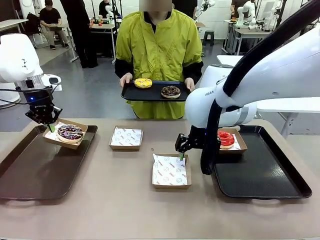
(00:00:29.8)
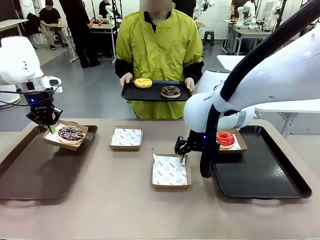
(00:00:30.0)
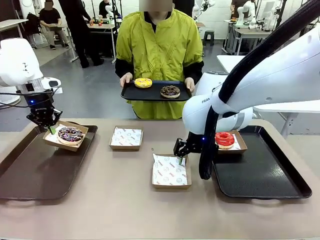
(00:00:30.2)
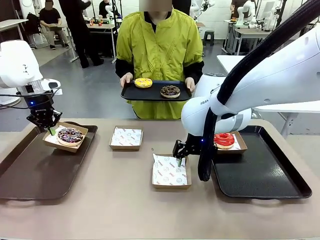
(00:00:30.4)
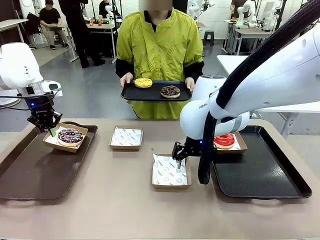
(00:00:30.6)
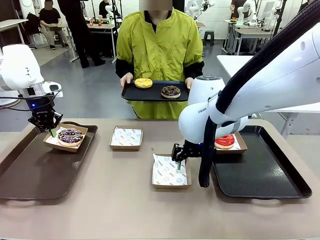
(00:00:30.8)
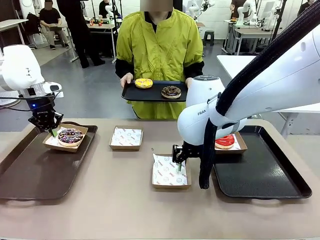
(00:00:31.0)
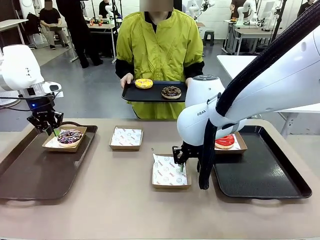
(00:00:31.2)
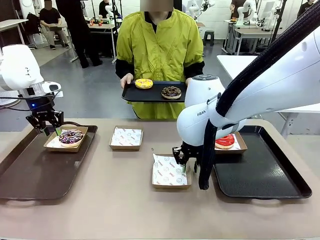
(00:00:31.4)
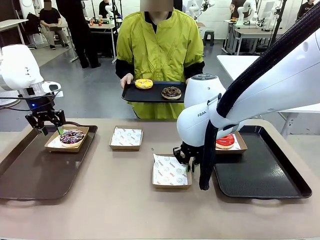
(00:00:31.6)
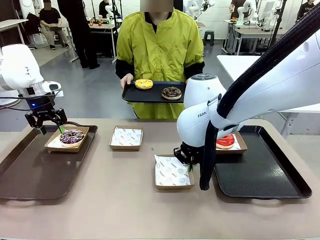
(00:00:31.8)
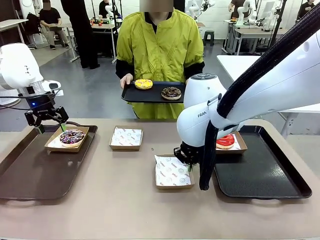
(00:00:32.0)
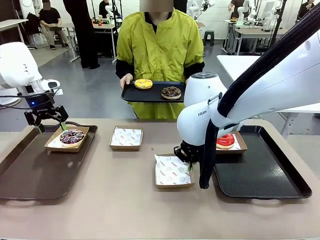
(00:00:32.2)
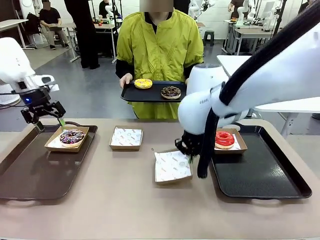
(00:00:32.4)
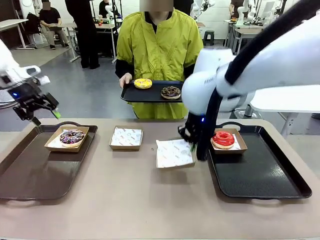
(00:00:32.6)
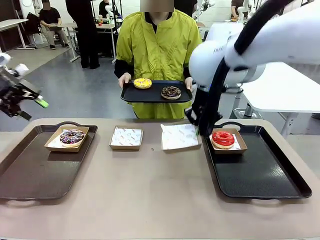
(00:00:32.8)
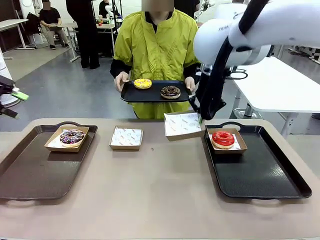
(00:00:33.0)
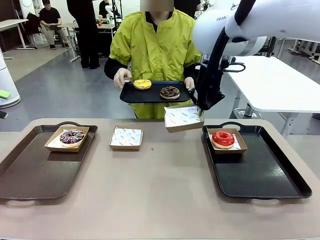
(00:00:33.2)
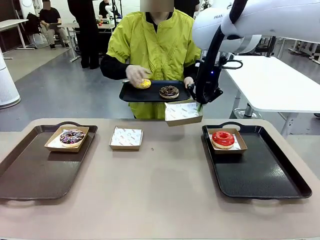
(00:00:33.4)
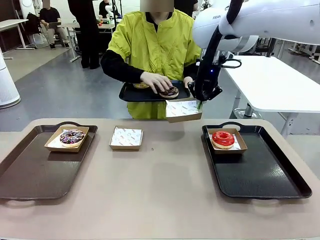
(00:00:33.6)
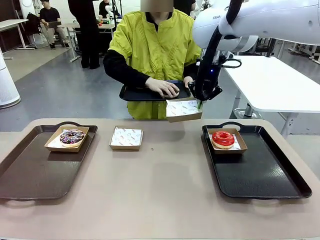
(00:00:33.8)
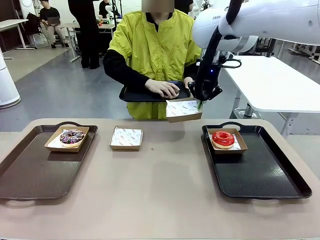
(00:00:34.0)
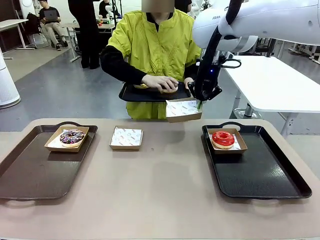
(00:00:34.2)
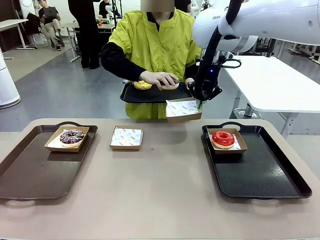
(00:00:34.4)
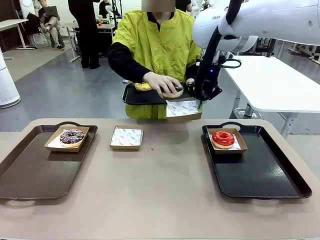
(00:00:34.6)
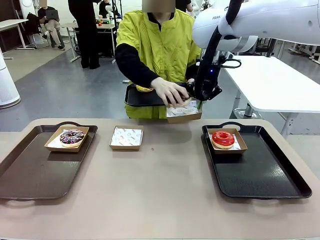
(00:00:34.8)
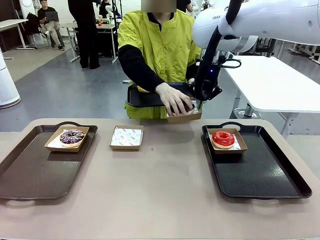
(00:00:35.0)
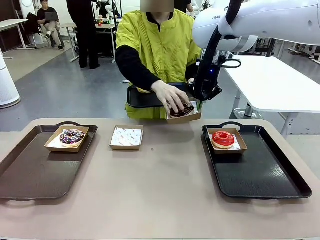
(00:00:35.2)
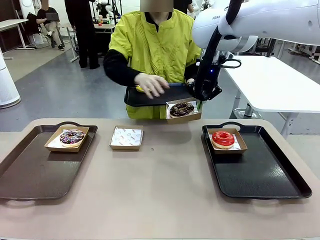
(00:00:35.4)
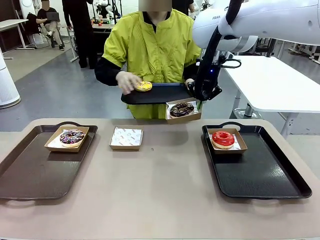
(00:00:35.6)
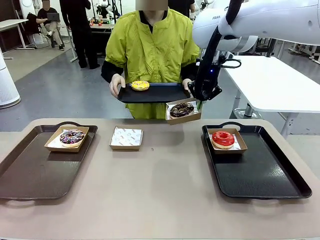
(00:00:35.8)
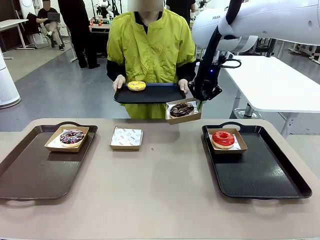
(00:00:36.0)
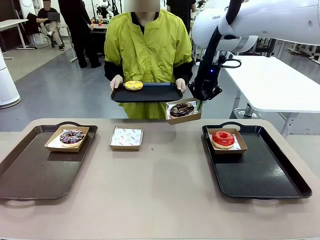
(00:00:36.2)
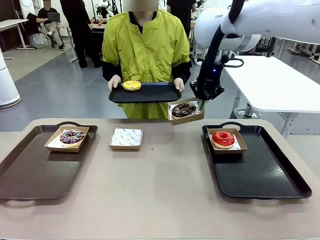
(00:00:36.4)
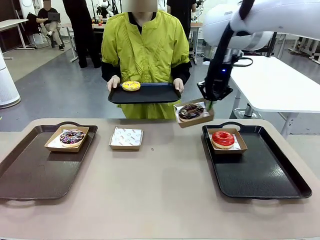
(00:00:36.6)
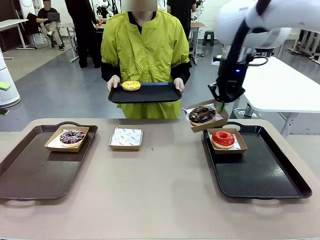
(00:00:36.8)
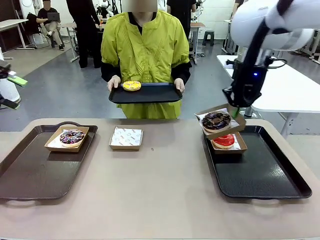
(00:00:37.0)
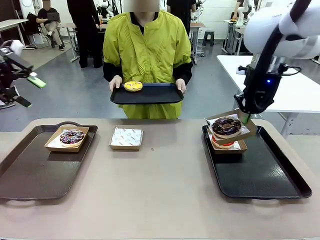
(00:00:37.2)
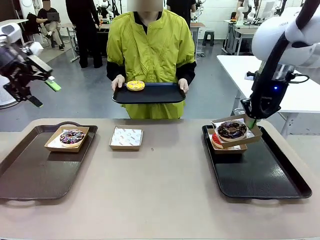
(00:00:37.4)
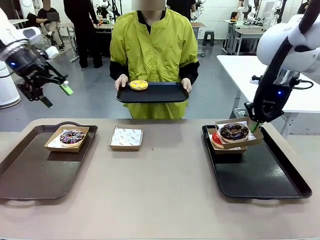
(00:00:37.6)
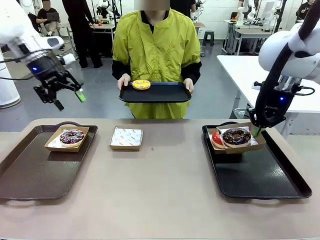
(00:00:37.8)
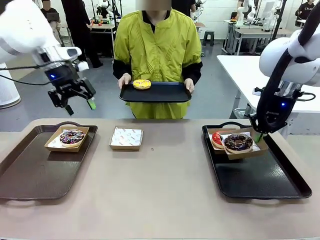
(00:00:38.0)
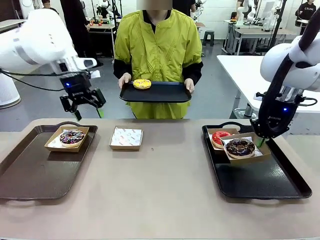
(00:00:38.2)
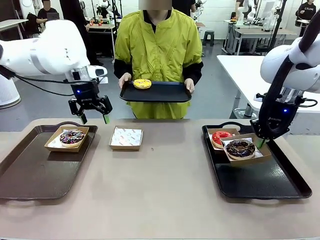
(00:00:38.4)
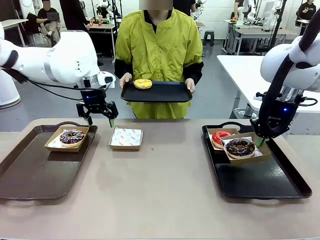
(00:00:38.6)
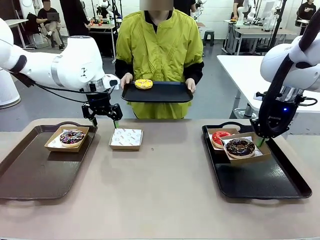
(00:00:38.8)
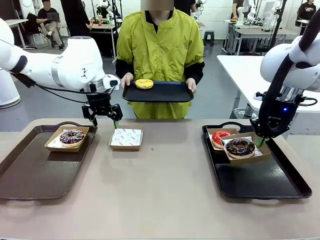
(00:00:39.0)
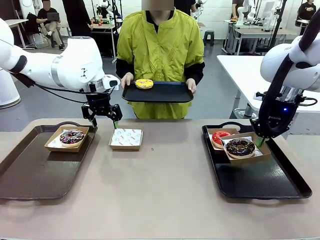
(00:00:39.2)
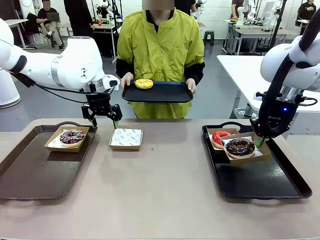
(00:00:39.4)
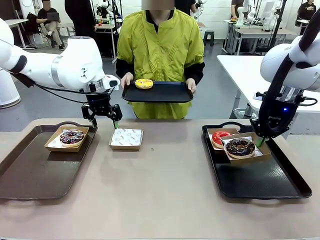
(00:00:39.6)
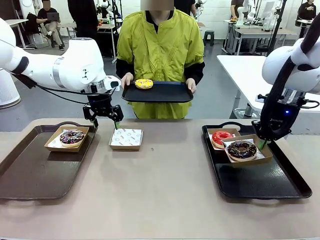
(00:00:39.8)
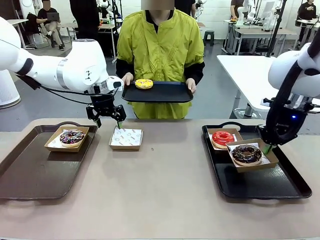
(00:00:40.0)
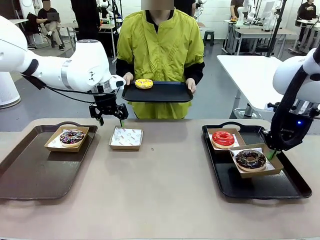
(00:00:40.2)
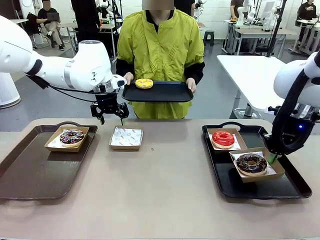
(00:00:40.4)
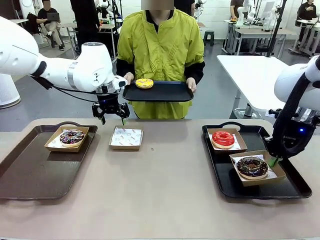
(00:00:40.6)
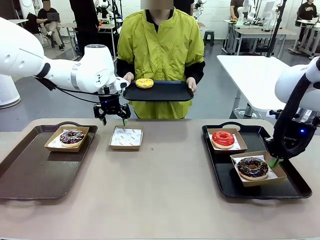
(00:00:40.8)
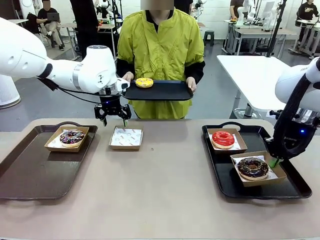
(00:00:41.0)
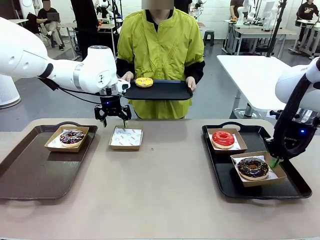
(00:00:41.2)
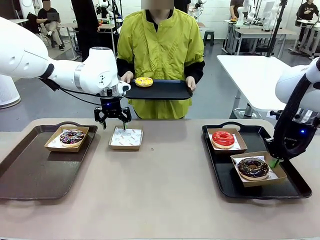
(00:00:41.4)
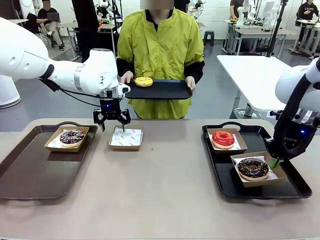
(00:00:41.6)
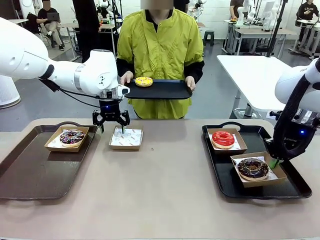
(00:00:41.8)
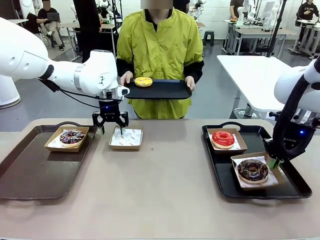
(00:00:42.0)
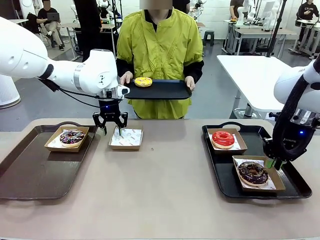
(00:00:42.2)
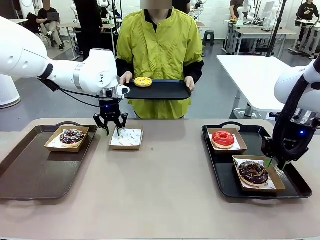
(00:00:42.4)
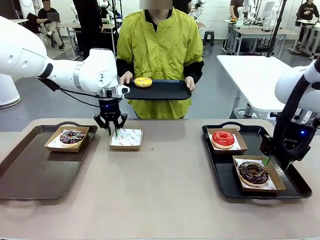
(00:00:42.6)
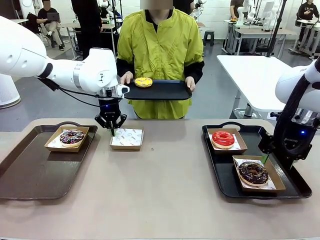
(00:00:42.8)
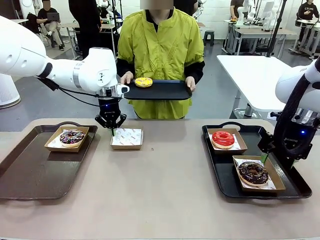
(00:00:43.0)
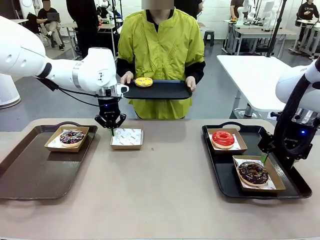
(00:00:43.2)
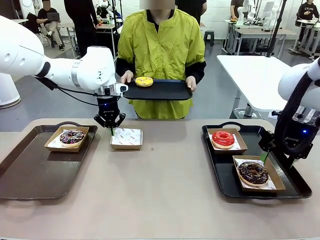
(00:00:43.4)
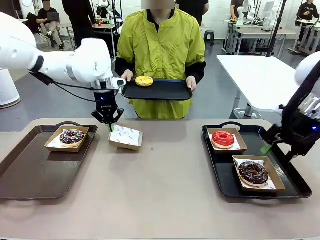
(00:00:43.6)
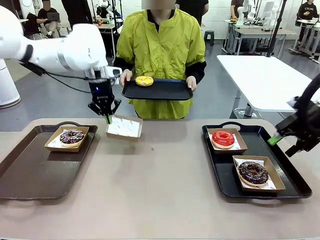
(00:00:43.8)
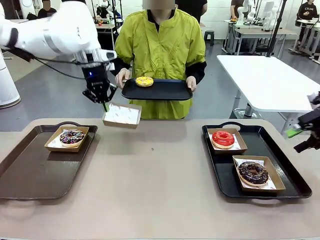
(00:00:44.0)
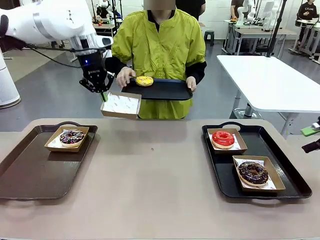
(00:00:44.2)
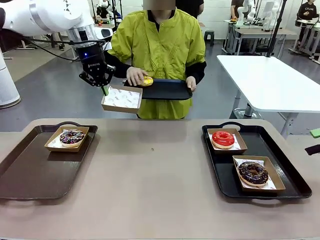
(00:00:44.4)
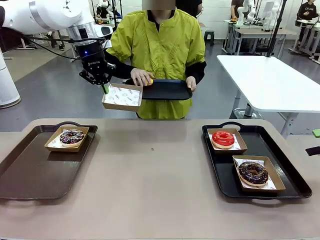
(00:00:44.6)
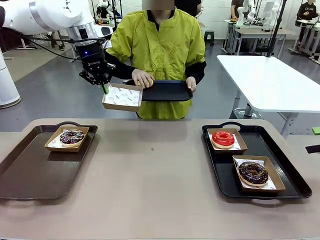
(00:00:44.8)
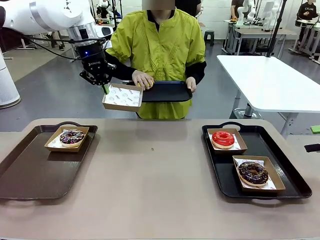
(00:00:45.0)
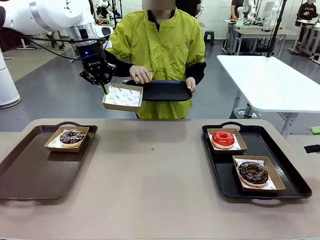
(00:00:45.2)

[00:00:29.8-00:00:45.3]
Task: Individually package the donuts and arrange them on the tray.
Robot: Place the picked Paper togo box on the Handle tray while simultaneously picking up another Paper togo box from the table with the other hand.

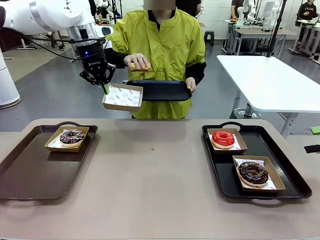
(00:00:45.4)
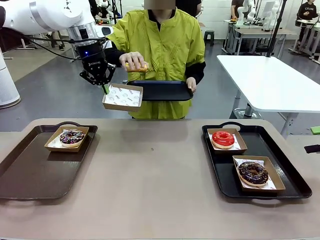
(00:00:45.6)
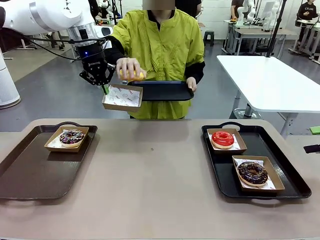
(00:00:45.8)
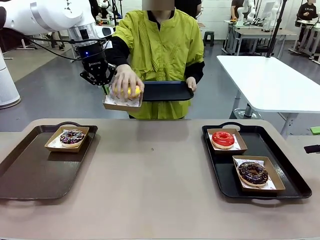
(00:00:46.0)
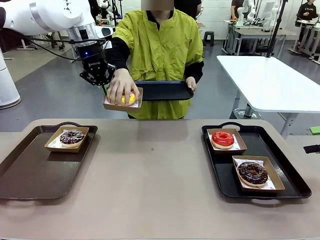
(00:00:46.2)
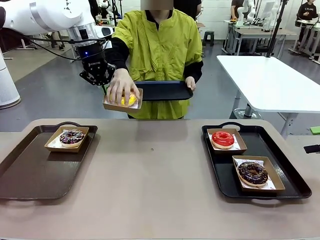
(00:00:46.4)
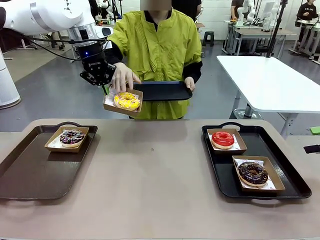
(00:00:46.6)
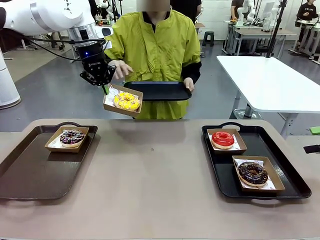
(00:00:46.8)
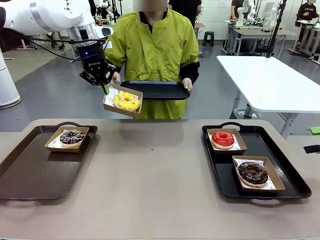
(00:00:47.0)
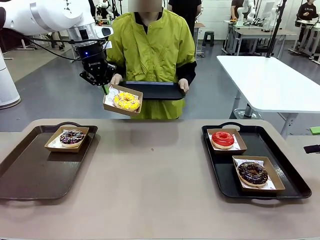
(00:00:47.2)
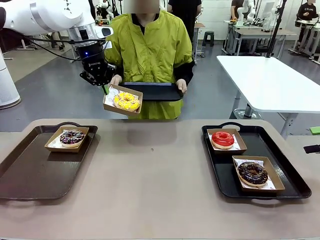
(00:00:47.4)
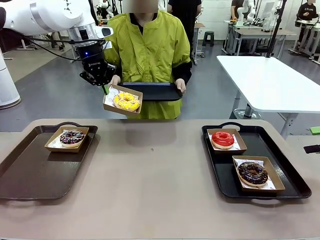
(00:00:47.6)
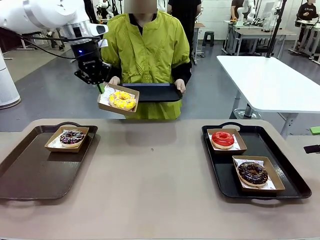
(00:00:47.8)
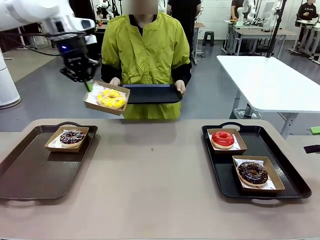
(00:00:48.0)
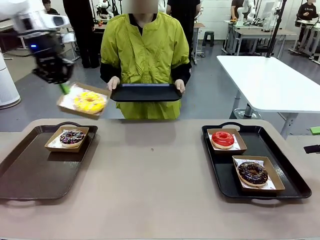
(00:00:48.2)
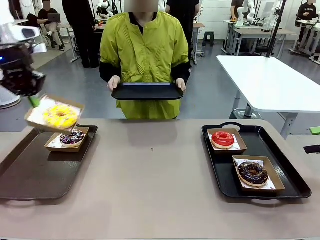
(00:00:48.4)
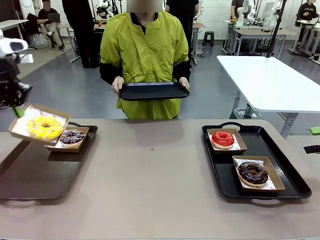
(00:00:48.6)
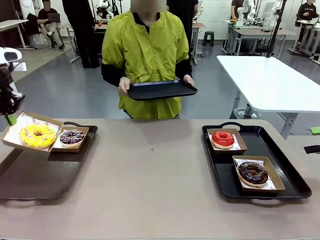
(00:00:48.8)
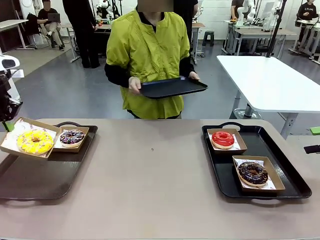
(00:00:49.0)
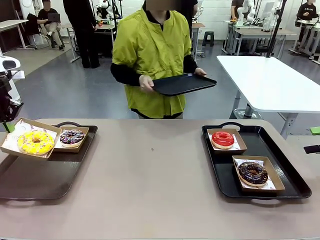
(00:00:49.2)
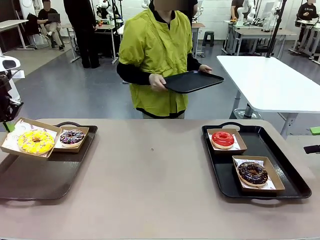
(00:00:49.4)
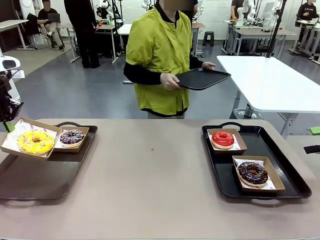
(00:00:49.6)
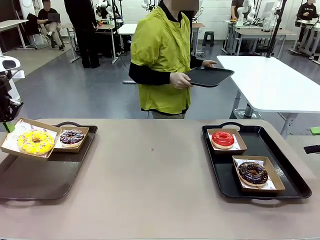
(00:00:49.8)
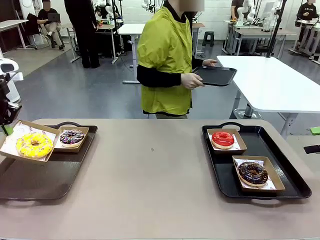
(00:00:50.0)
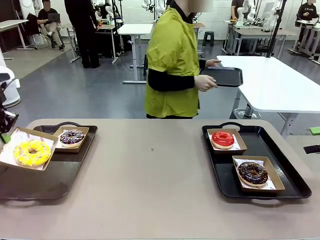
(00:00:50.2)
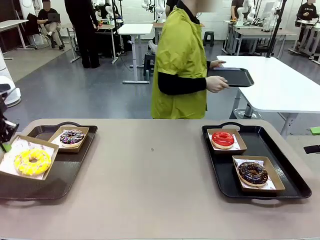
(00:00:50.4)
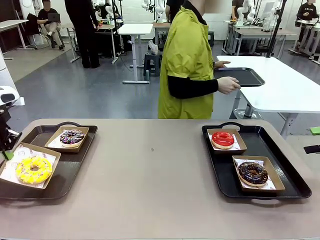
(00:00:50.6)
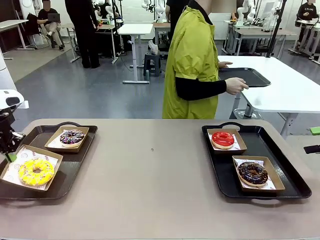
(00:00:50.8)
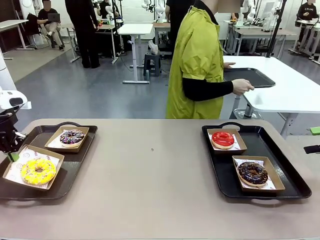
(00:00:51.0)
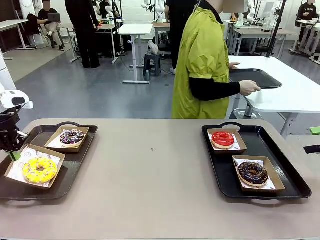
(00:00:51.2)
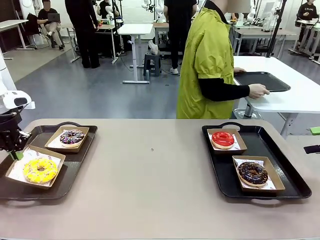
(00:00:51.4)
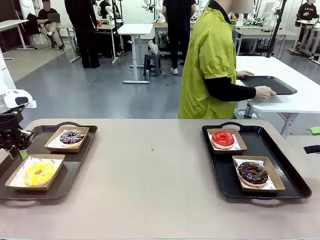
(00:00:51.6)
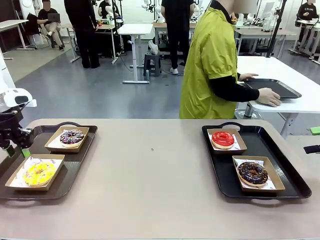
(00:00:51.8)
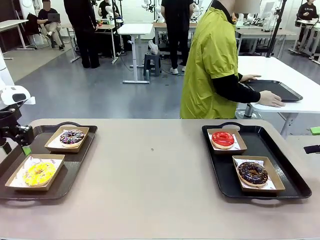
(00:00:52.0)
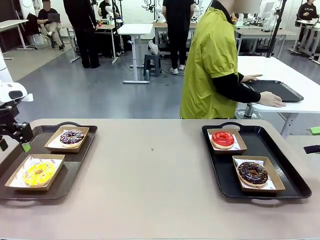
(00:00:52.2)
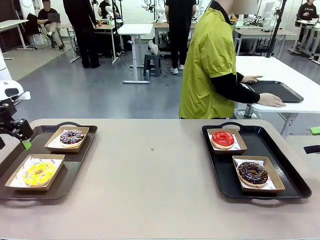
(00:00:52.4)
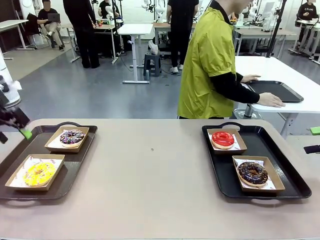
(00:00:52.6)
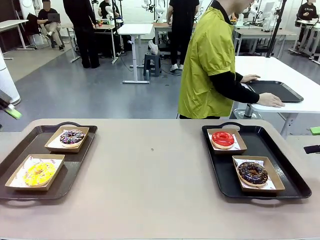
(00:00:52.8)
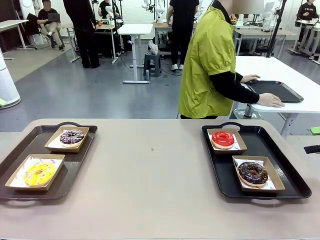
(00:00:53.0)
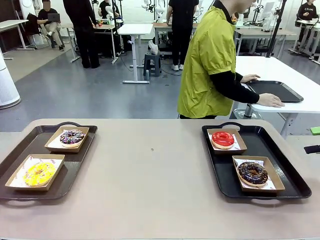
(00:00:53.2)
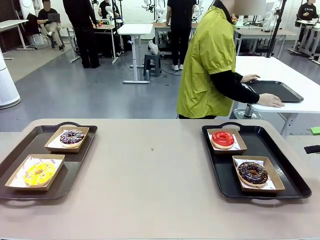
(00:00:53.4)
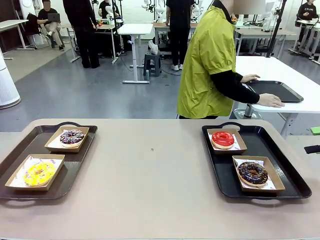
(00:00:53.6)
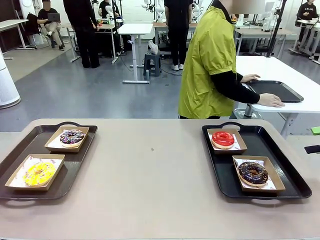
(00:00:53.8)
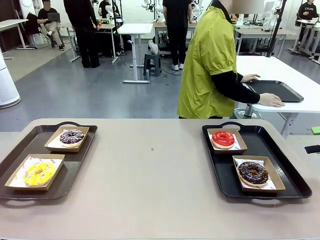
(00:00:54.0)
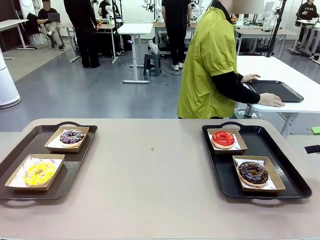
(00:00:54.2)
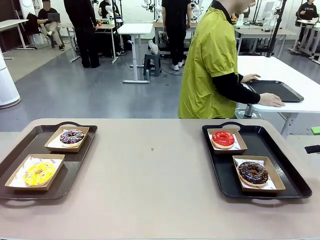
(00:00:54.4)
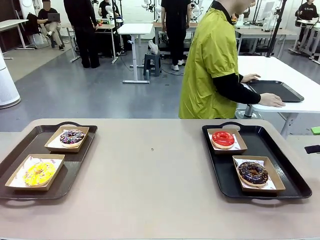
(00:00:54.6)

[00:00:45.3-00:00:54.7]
Robot: Place the picked Paper togo box on the Handle tray.
Person: Place the tray down in the middle of the human table.
